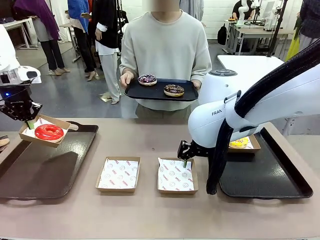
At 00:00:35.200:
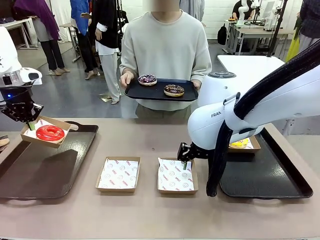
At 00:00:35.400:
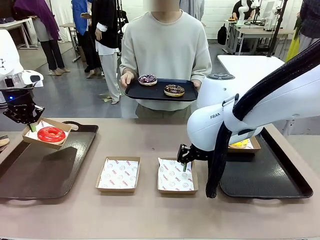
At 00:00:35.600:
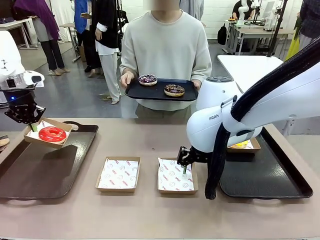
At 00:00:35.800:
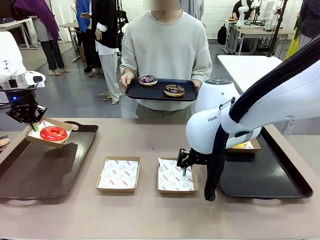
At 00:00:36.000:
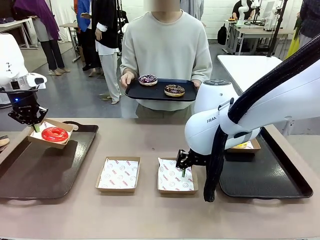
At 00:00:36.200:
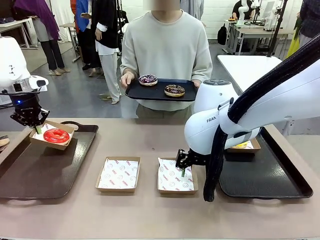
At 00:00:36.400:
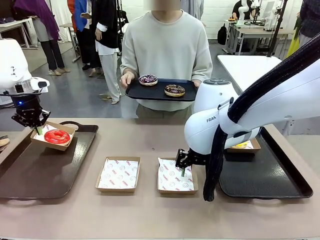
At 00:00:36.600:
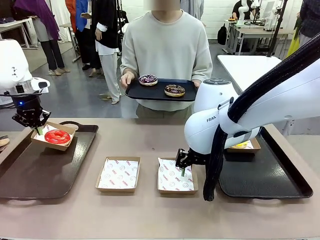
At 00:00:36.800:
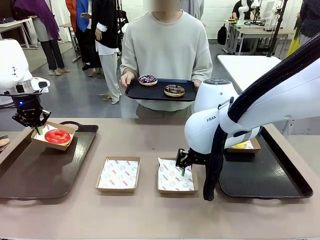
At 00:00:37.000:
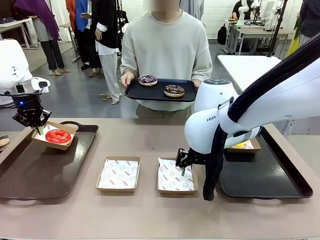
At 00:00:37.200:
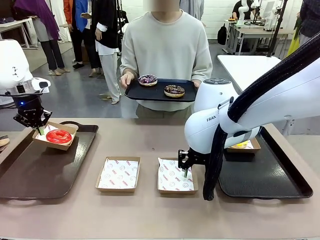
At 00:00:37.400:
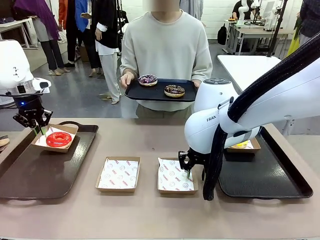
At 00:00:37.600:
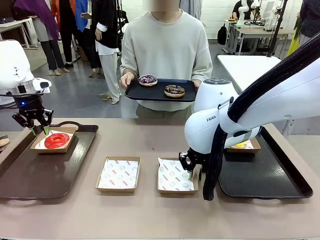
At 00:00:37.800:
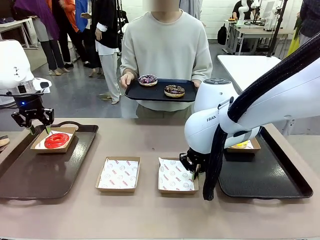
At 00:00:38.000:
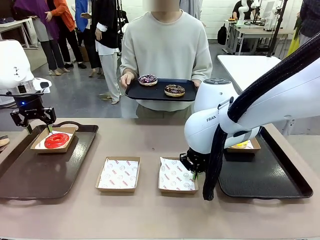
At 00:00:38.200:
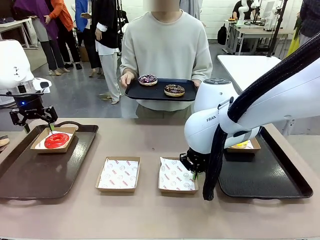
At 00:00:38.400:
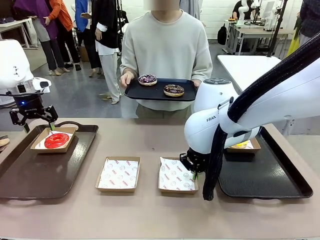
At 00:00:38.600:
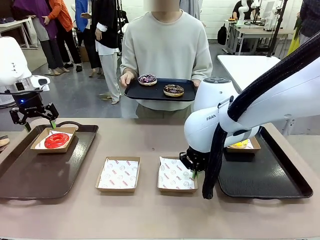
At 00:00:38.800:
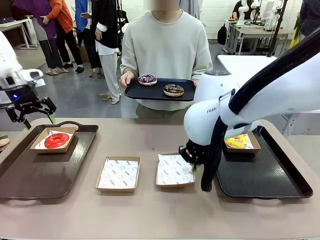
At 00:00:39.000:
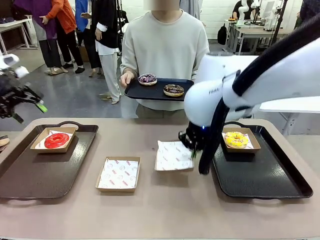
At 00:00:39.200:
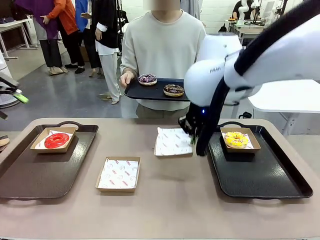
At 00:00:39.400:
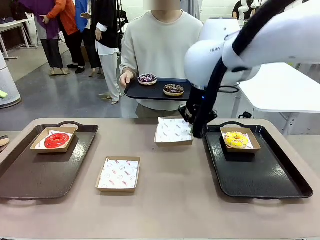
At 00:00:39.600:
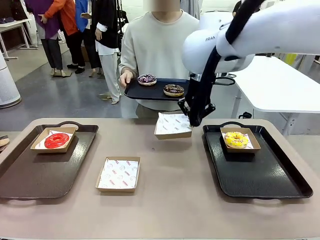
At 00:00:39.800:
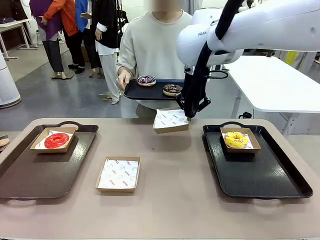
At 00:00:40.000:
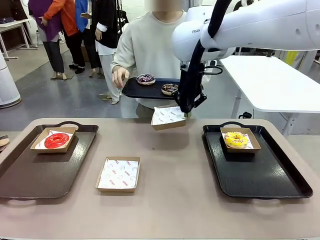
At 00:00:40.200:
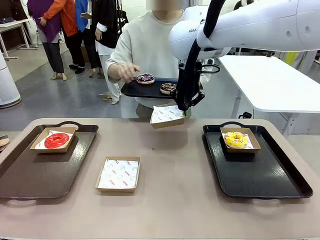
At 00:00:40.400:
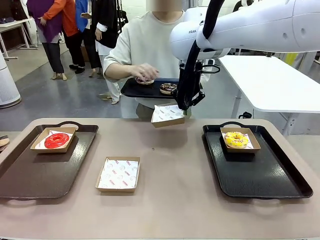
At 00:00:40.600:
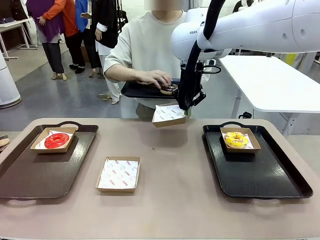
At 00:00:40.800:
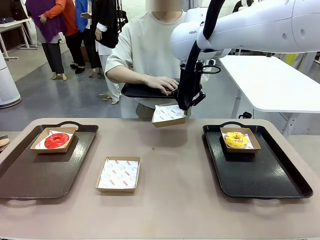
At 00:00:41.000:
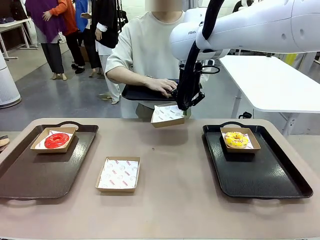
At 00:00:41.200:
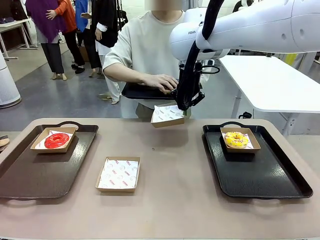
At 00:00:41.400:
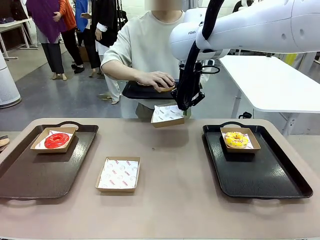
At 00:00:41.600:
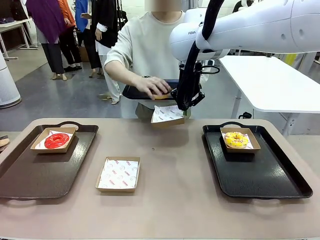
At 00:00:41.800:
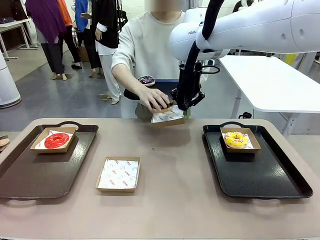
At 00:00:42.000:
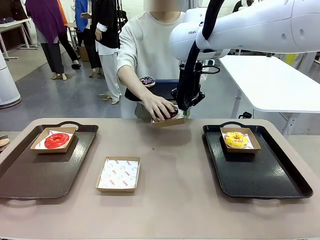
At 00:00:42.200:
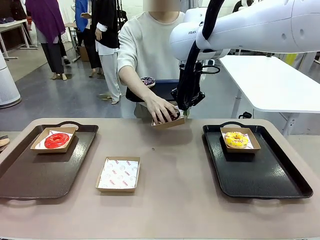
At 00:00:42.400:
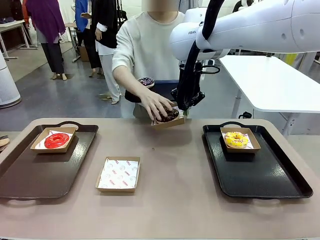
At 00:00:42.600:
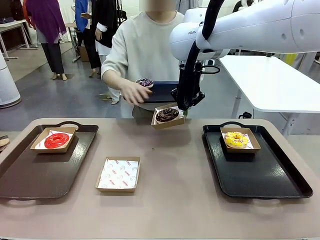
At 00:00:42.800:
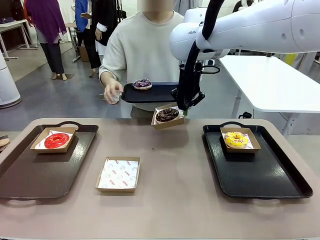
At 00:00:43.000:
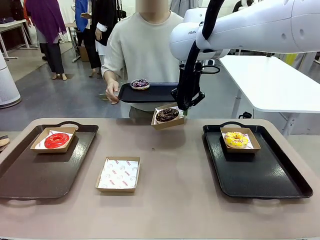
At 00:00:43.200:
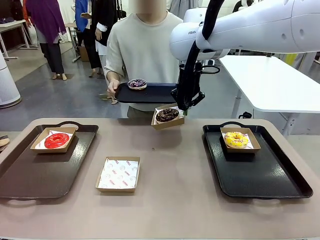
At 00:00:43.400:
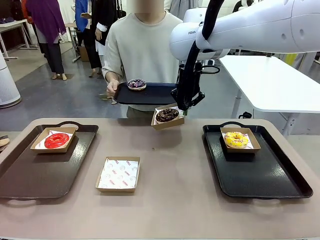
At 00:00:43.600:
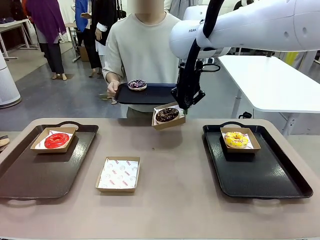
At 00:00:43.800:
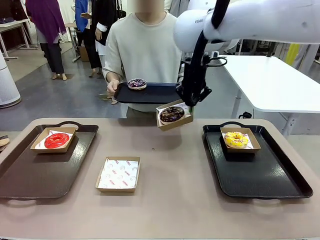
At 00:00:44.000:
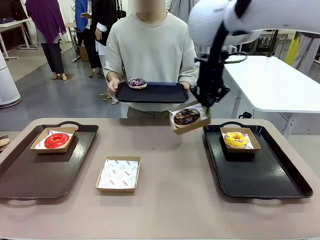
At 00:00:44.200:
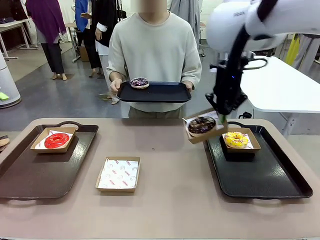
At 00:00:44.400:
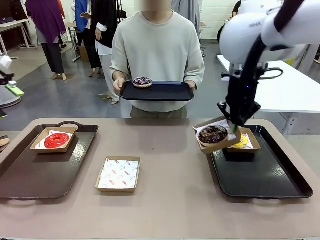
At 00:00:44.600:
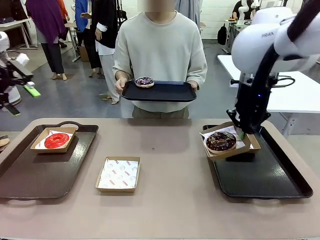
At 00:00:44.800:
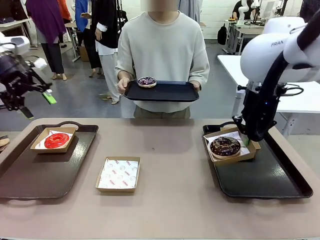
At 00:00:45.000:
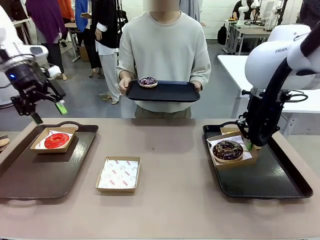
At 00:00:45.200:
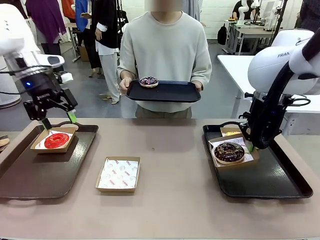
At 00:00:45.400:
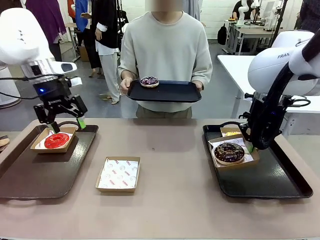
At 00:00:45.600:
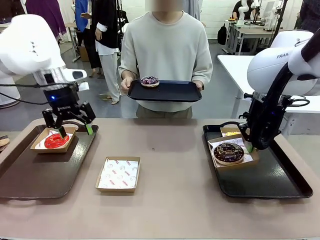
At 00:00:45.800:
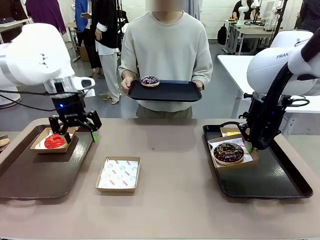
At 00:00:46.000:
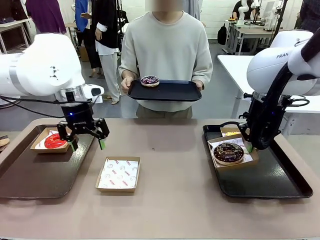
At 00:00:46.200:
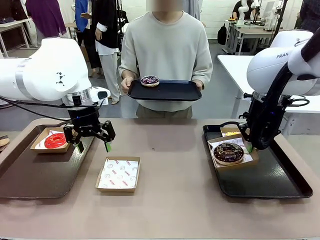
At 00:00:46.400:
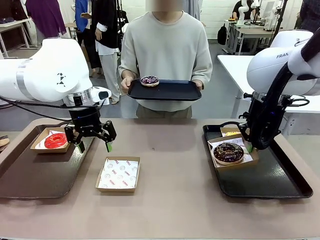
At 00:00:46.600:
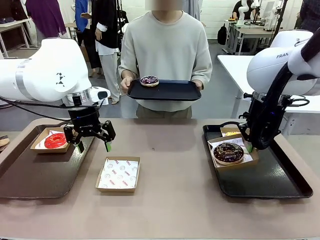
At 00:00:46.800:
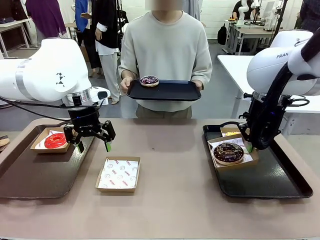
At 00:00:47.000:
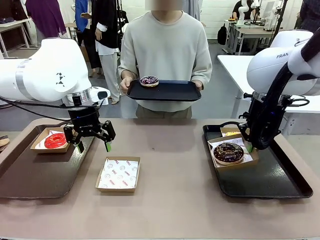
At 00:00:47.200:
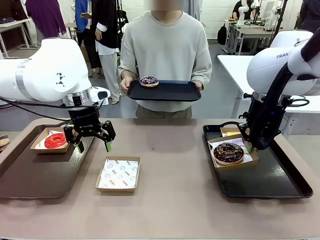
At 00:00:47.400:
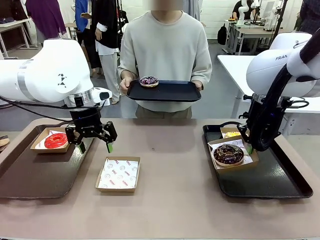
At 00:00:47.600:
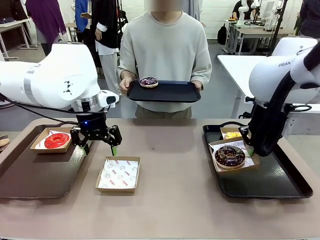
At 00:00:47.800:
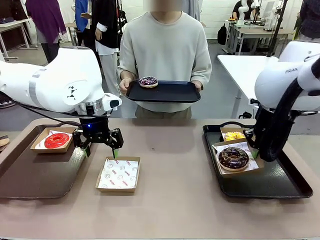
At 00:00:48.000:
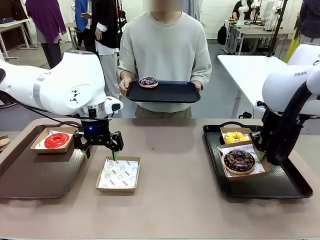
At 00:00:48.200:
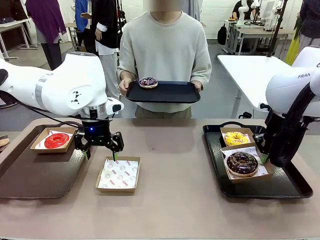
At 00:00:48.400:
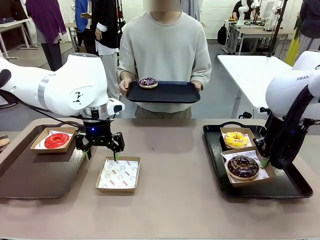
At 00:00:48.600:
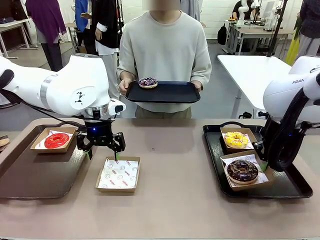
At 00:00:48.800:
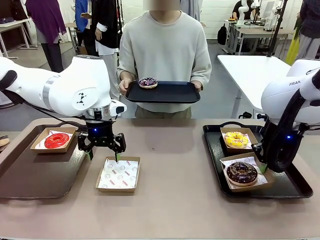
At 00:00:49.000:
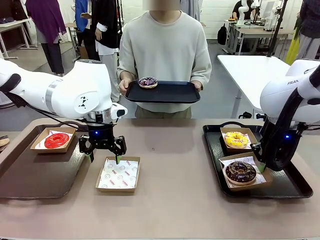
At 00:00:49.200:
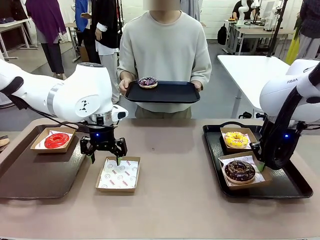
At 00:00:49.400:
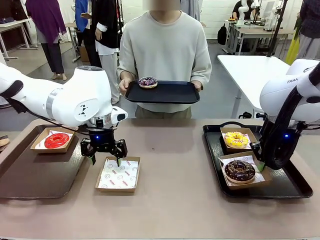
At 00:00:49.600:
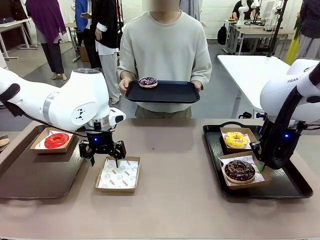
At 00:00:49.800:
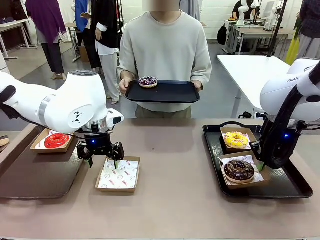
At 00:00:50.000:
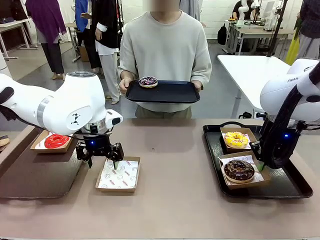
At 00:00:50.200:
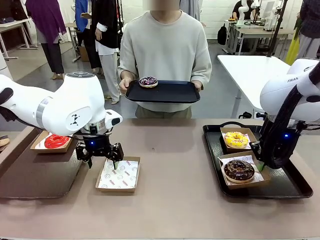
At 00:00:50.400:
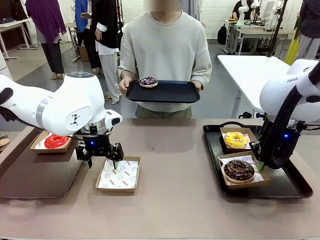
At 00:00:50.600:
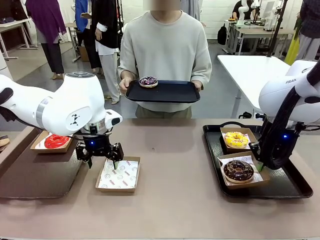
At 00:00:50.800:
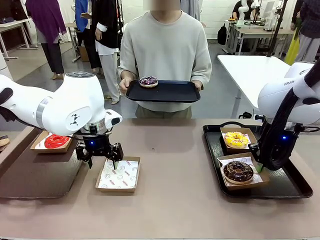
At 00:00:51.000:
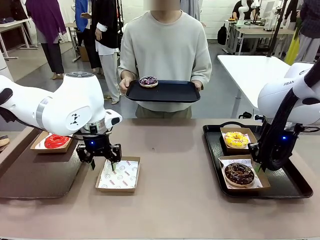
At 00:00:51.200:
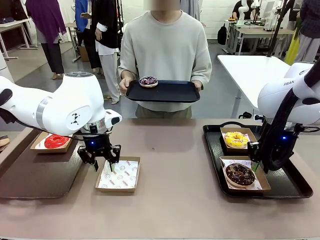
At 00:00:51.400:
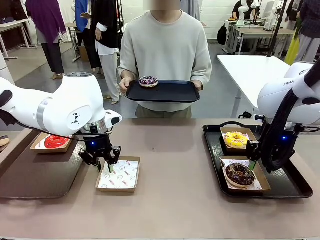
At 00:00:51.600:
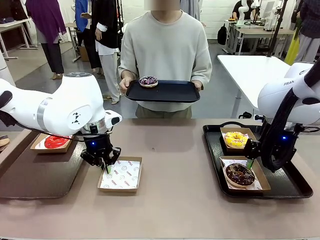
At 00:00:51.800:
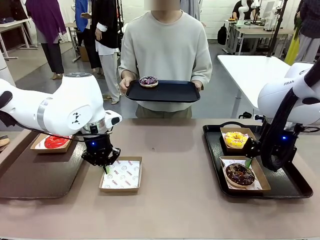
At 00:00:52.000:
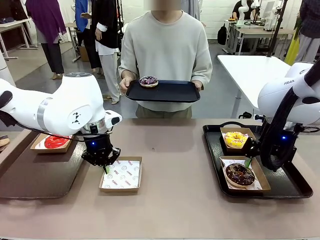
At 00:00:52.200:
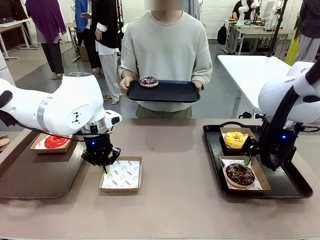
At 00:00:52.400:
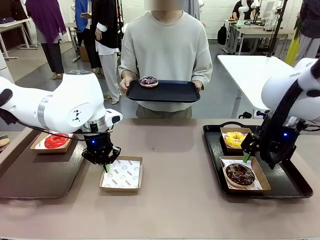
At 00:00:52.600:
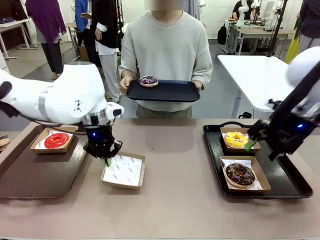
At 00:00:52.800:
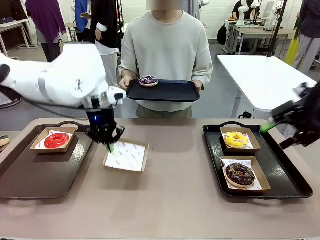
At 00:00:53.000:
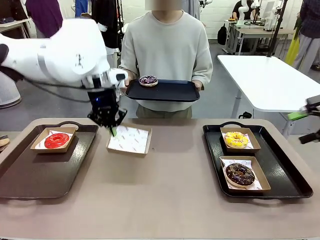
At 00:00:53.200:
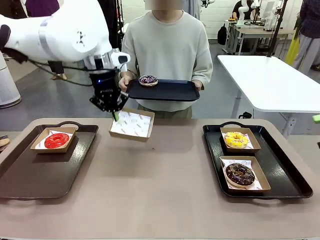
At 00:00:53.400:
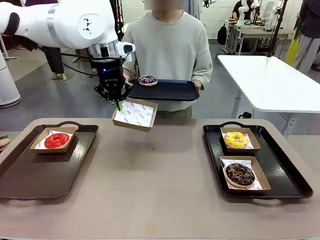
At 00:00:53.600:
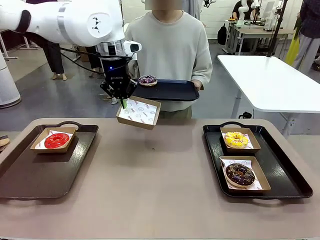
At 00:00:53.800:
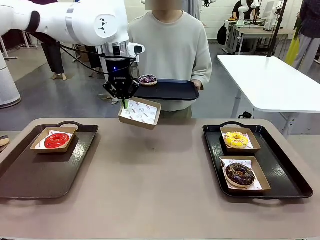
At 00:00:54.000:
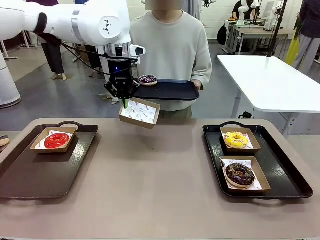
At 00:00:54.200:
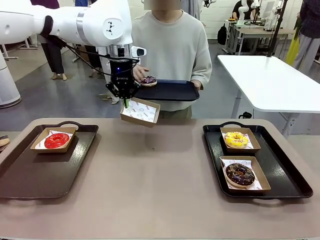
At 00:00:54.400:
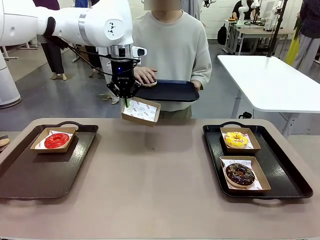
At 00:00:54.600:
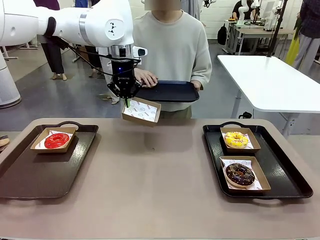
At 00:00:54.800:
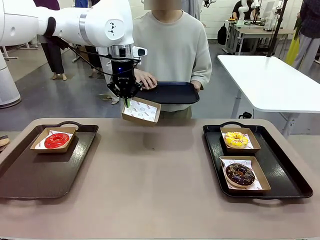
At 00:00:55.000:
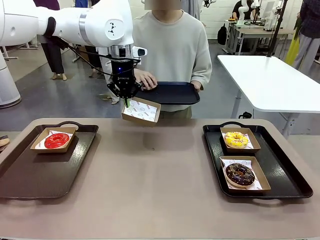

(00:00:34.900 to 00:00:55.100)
Task: Individually package the donuts and arrange them on the tray.
Robot: Place the picked Paper togo box on the Handle tray while simultaneously picking up another Paper togo box from the table with the other hand.
